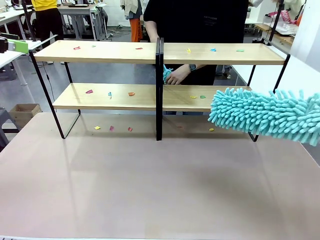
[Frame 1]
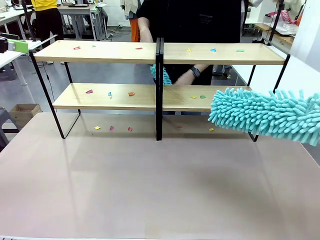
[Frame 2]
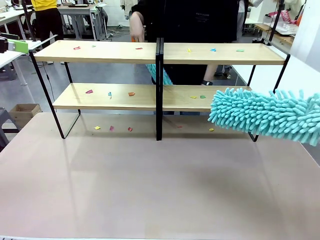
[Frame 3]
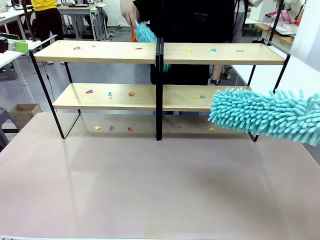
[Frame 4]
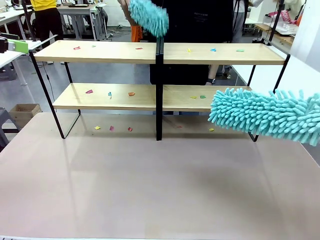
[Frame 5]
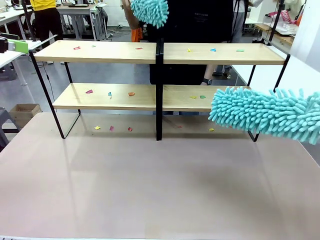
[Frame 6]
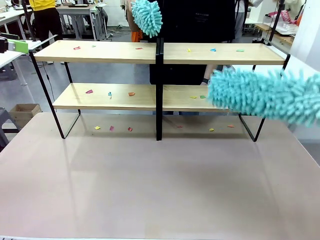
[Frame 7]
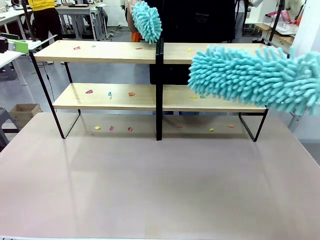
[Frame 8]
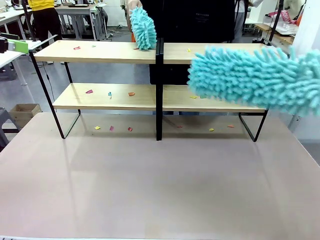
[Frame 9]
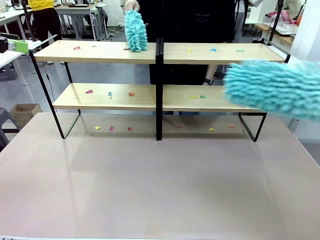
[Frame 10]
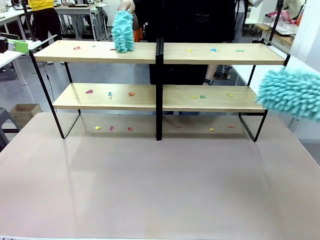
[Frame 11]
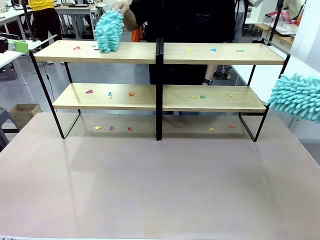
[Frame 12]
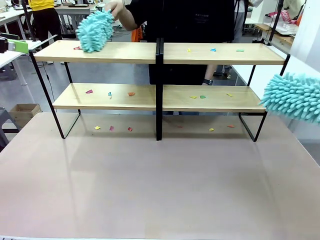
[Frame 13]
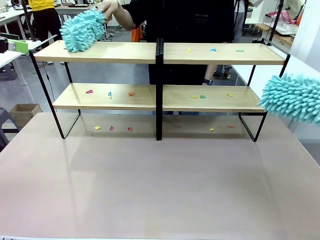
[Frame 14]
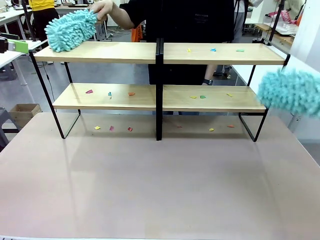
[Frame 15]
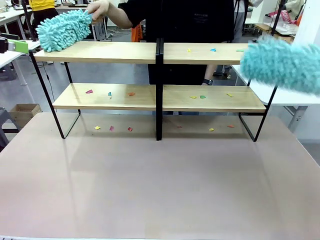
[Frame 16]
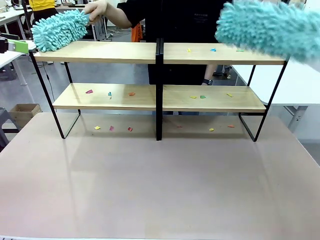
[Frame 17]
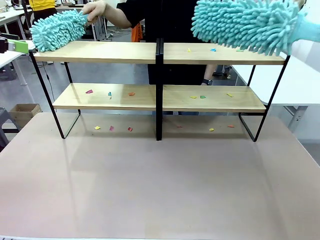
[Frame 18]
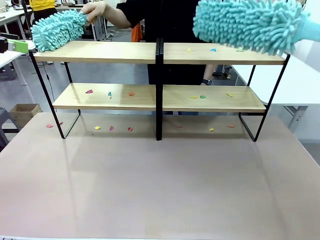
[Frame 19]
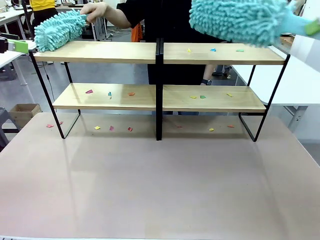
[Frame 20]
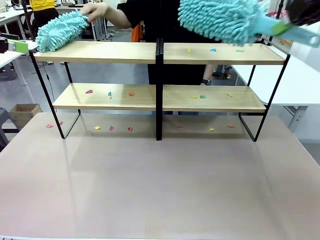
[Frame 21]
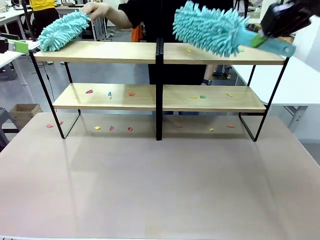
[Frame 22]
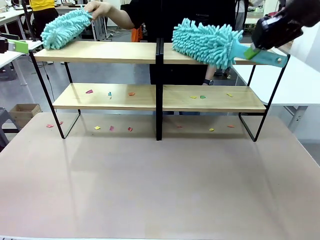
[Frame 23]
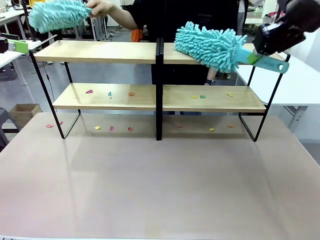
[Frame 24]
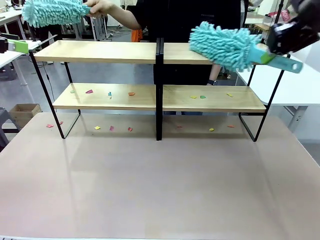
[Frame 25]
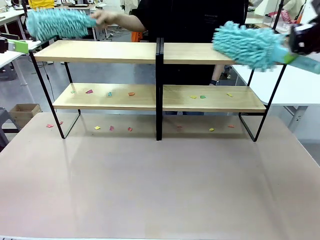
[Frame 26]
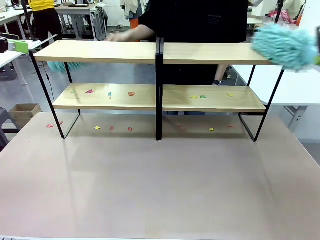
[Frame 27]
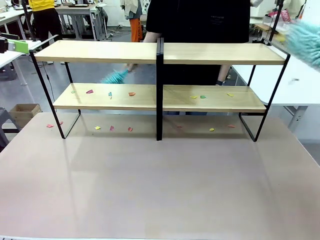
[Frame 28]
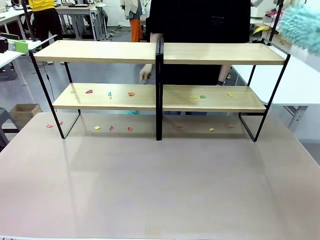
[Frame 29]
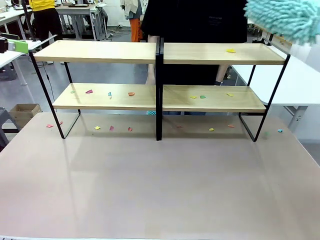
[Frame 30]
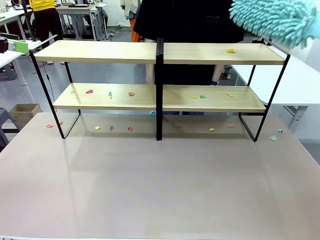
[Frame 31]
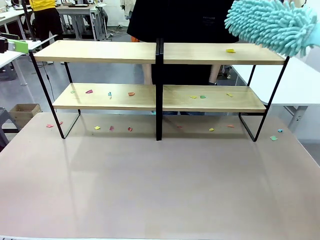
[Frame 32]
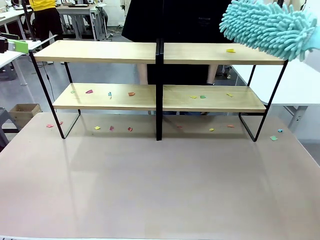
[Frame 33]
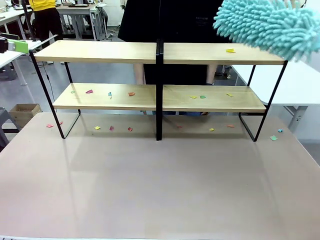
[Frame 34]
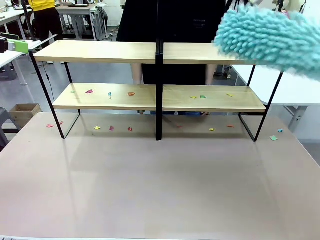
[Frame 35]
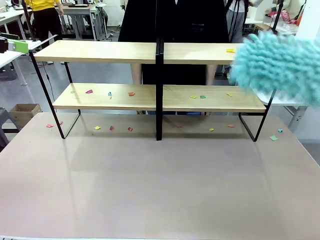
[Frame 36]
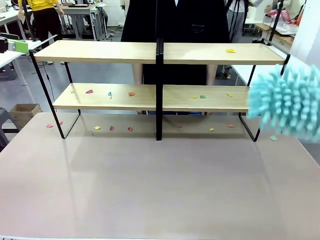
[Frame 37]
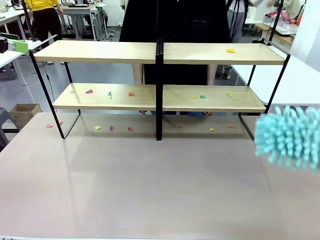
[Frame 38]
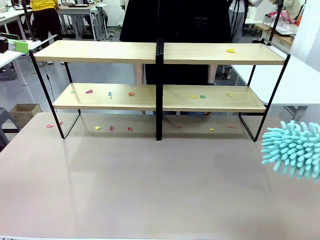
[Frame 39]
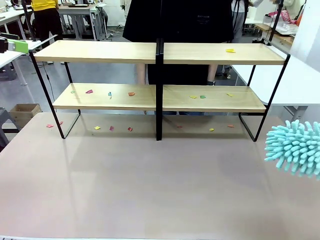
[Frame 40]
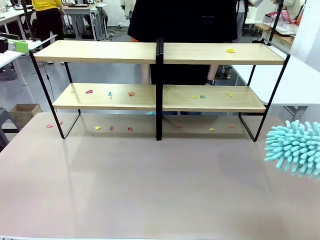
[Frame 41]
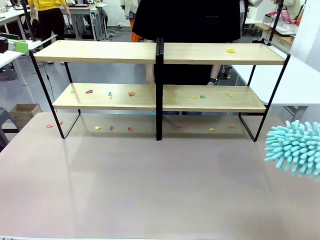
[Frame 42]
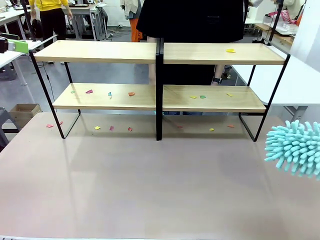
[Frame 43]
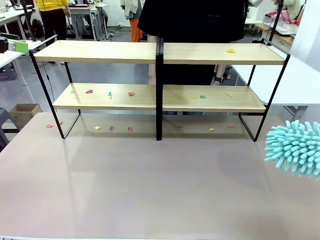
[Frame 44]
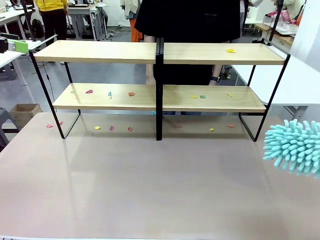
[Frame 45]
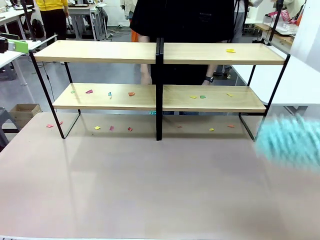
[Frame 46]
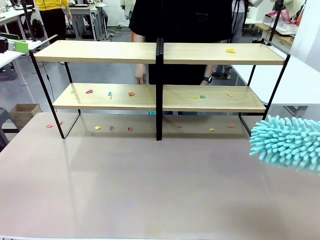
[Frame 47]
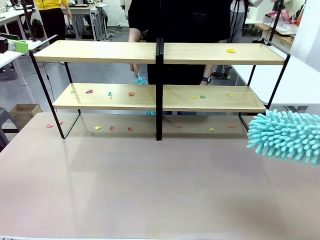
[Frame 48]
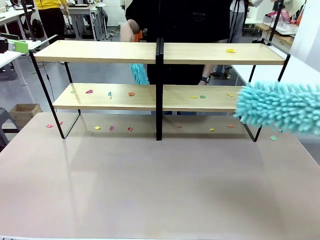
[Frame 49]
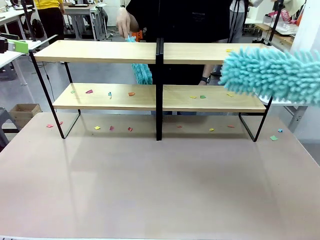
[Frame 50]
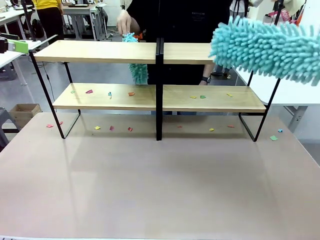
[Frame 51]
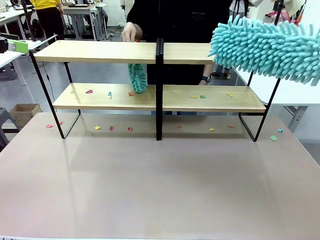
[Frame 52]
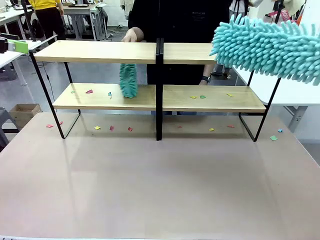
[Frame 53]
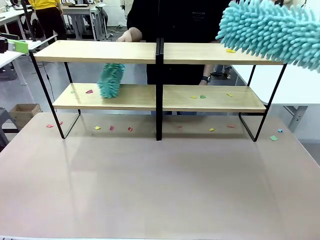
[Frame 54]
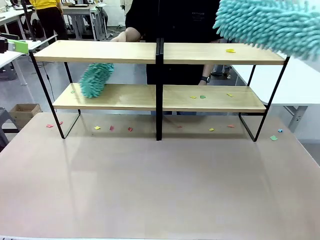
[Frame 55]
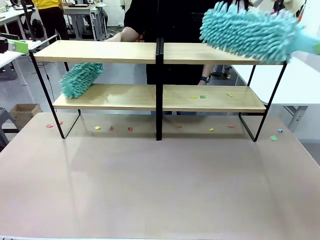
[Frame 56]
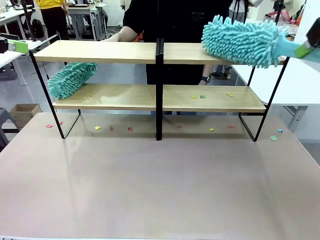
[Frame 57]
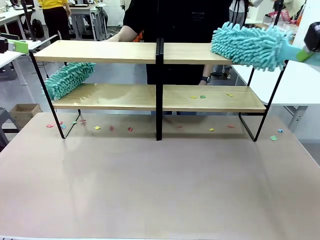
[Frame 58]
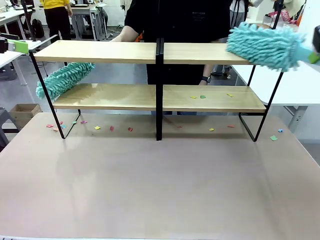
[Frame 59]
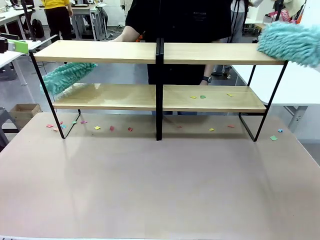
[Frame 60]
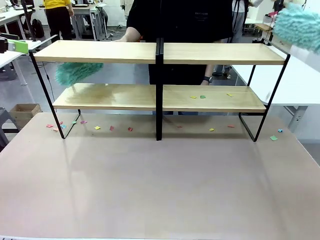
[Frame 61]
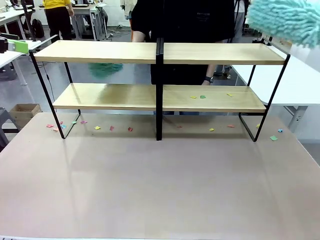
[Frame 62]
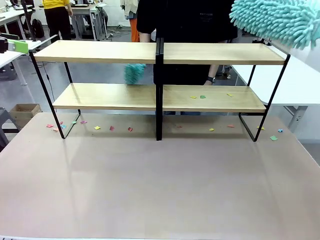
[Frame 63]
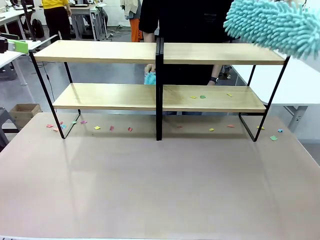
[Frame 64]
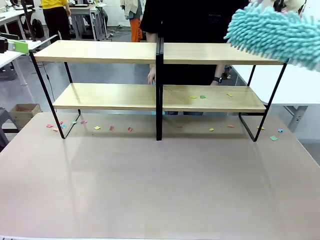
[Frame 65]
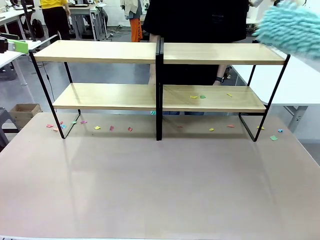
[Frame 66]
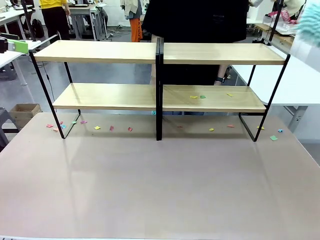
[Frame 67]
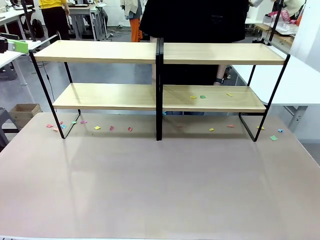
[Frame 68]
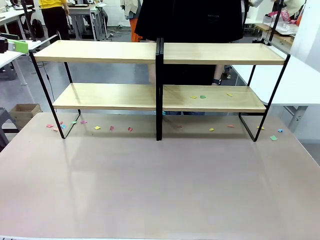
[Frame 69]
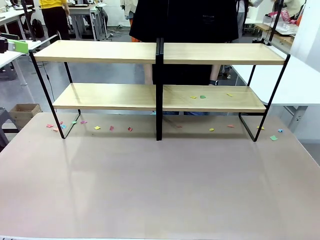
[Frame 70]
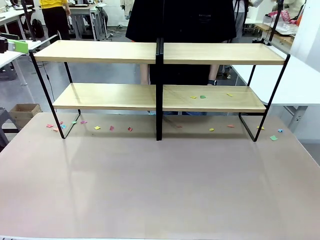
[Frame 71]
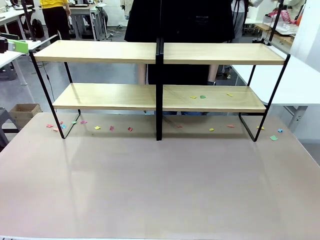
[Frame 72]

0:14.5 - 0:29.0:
Task: Clean the shelves.
Robot: Clean a randomly selected level of the Shelf with the Duster.
